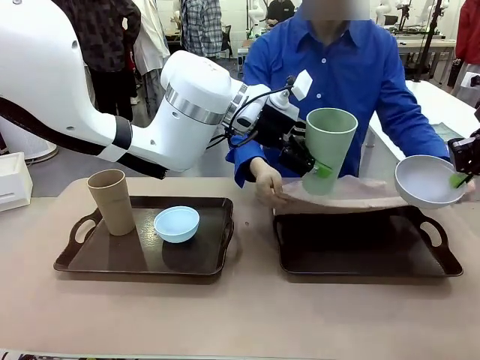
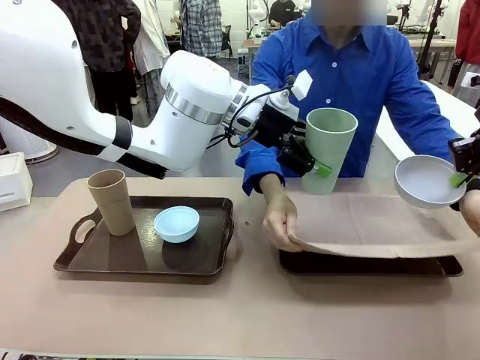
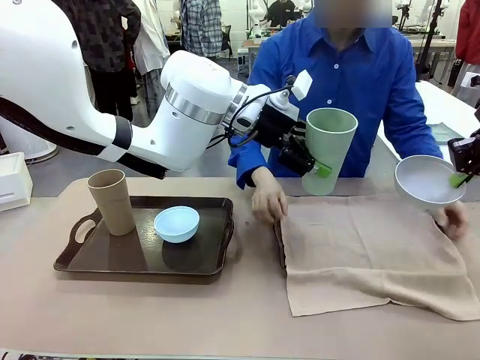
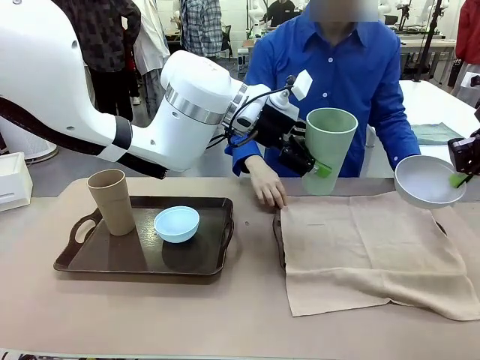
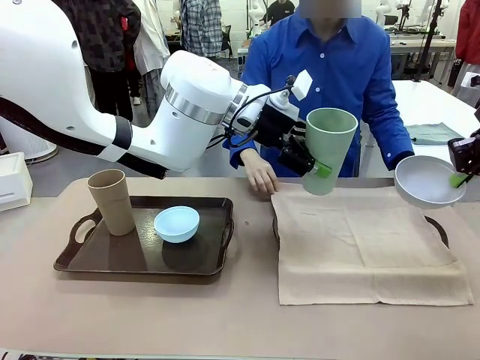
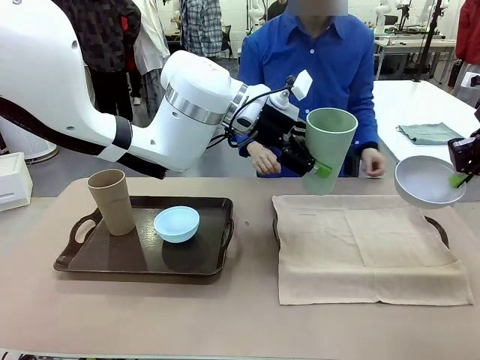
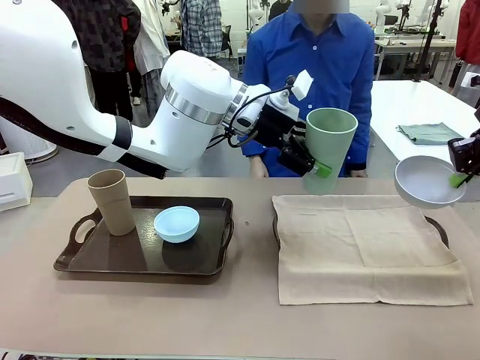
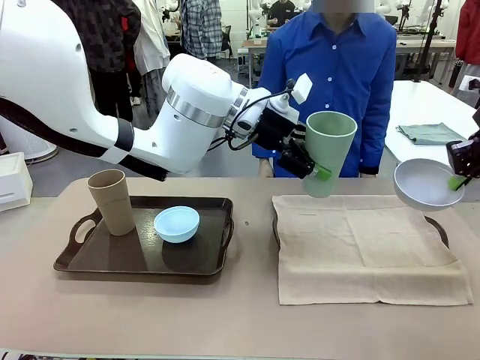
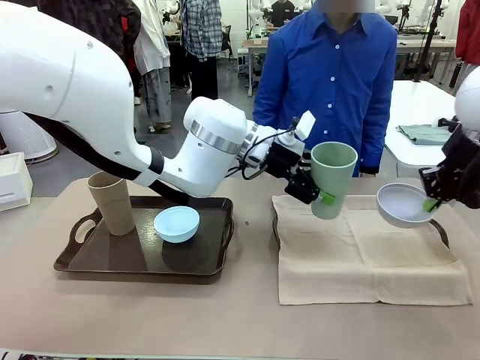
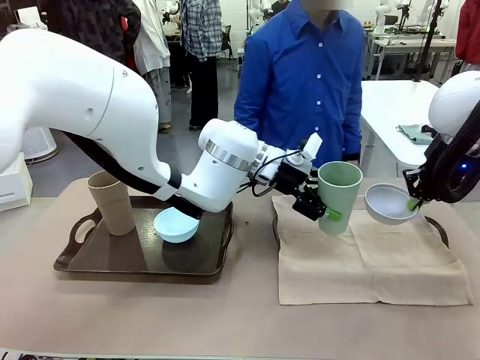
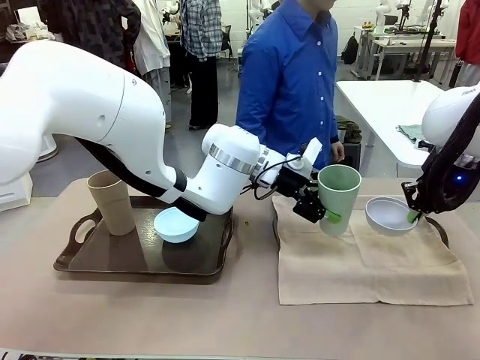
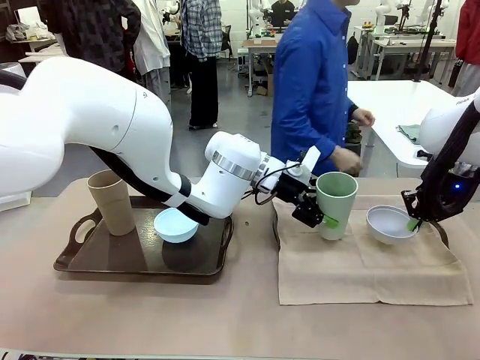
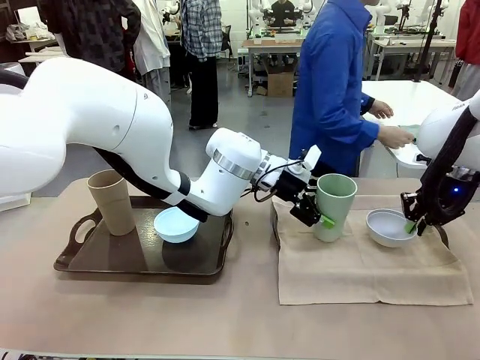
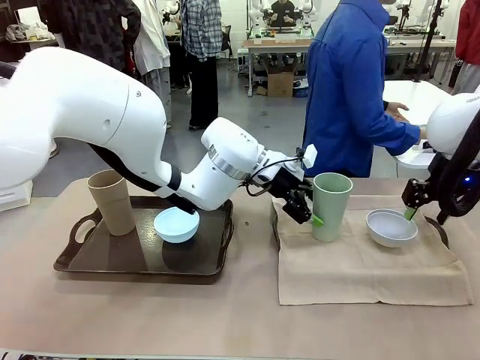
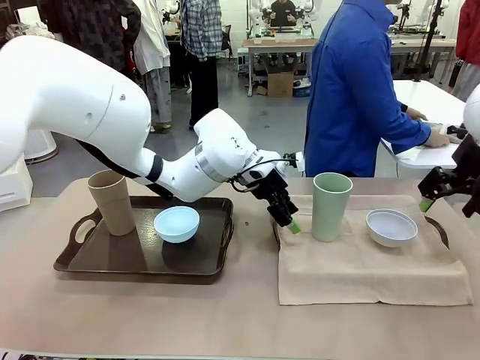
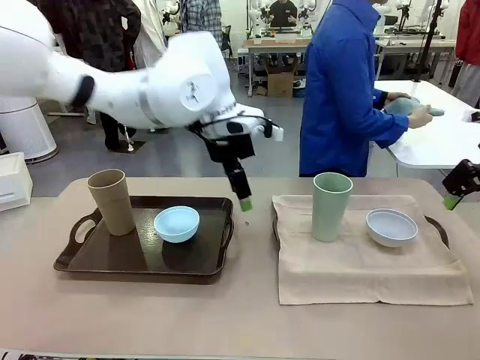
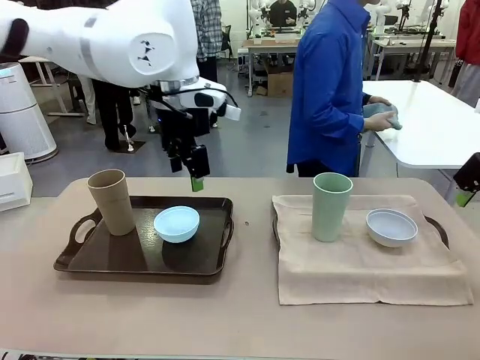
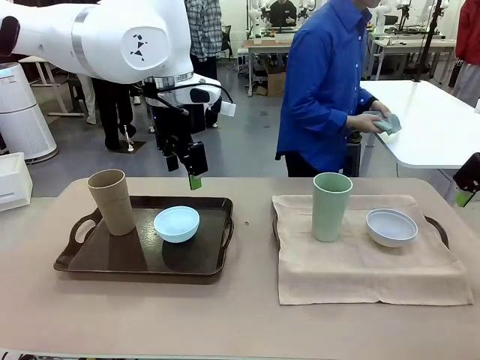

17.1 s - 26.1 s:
Robot: Place the Picnic Bowl and Reusable plastic cup back onto the Handle tray in front of the human's position.
Person: The human returns to the human table to pick up another napkin and walks to the robot table to stand in front of the tray without a napkin.

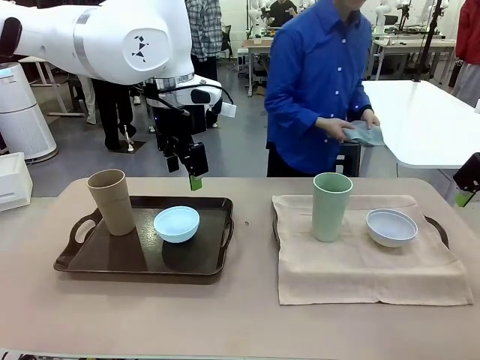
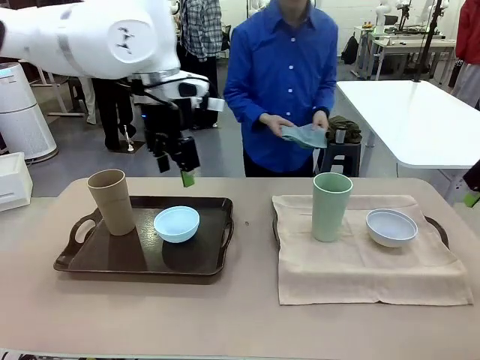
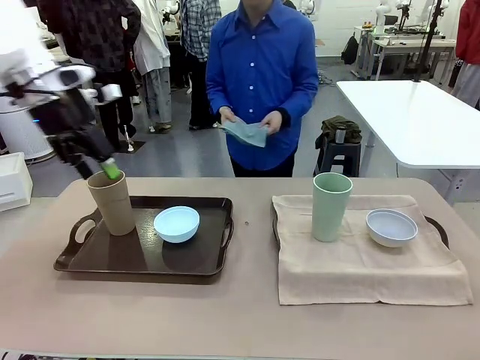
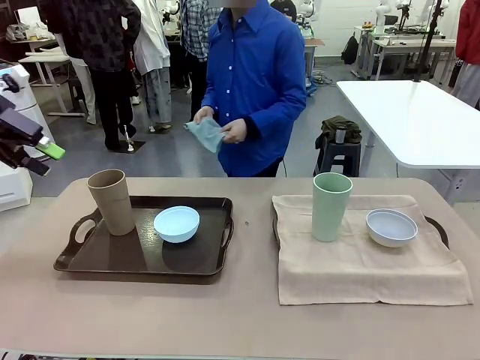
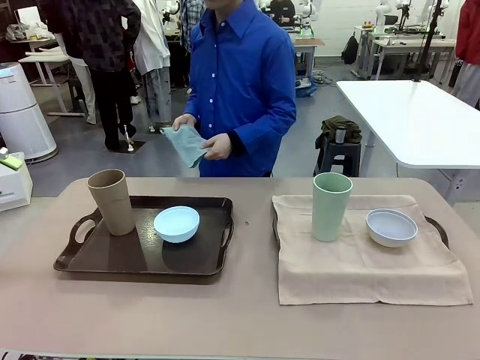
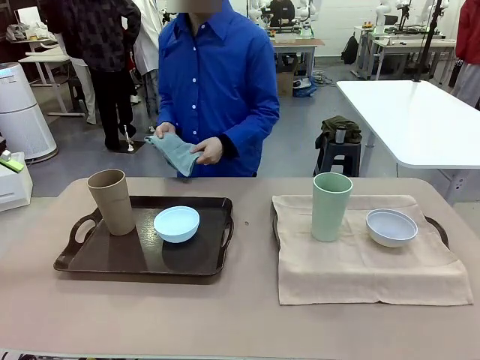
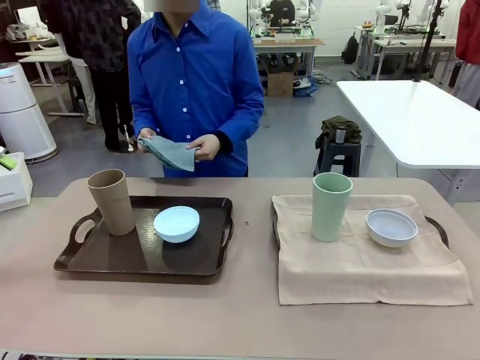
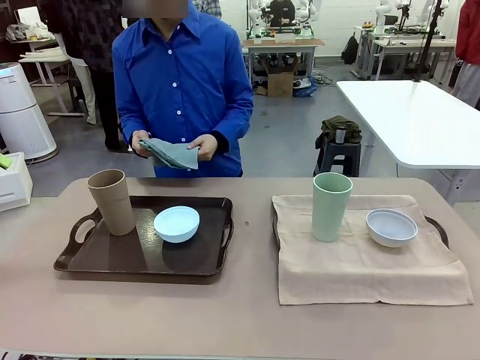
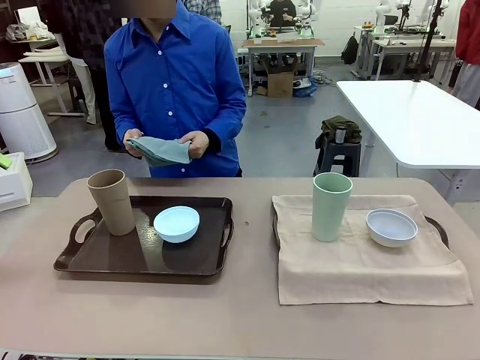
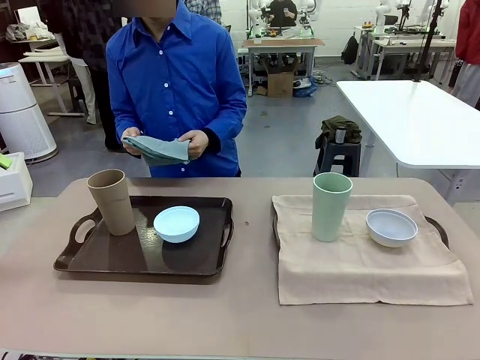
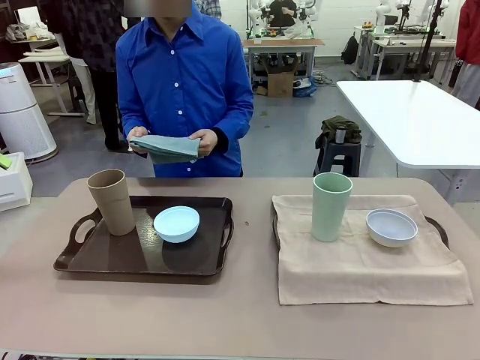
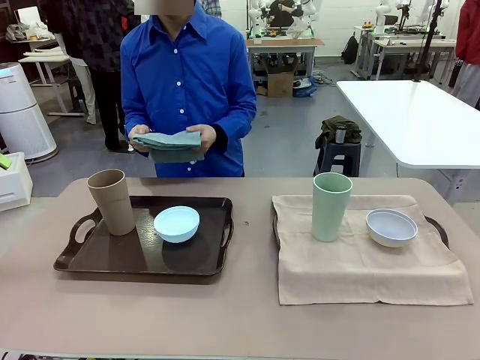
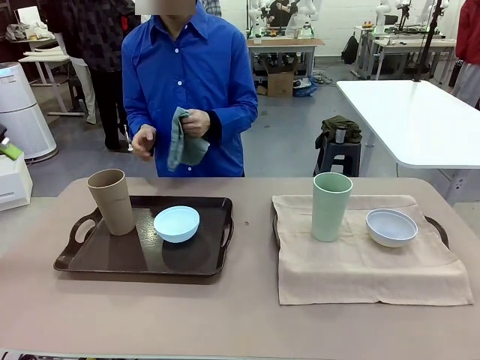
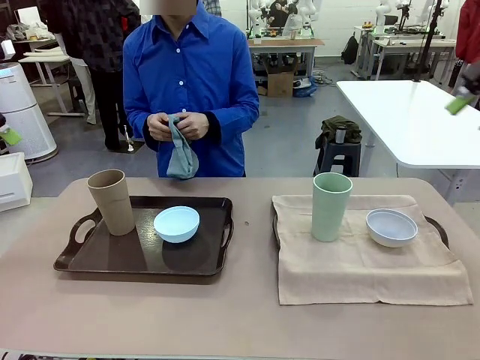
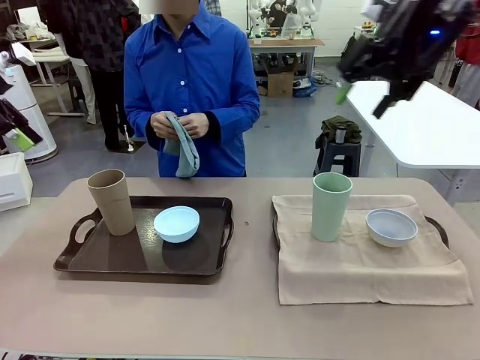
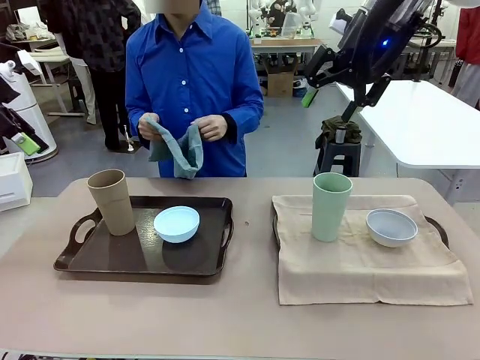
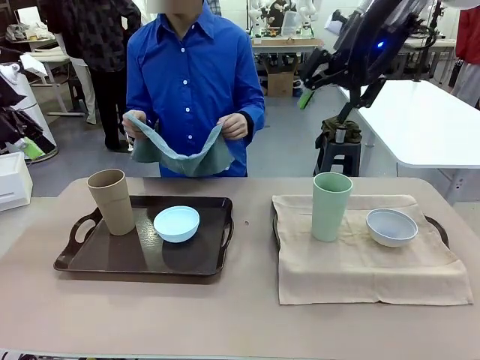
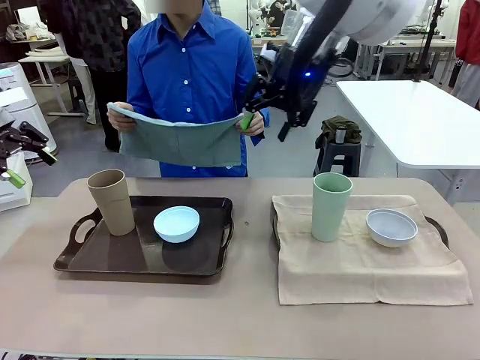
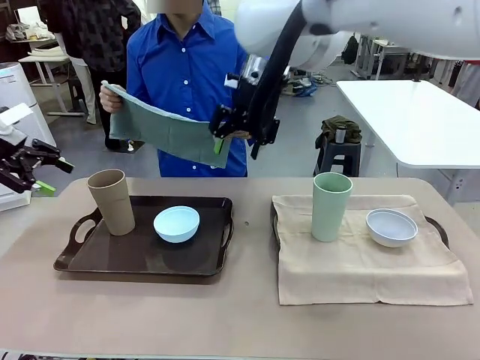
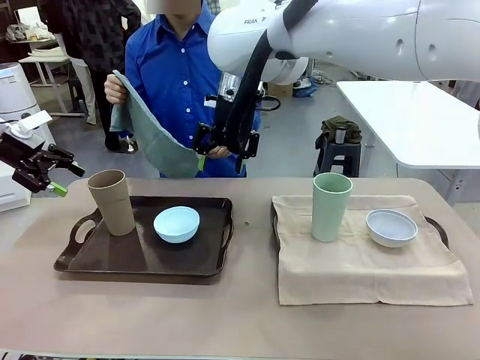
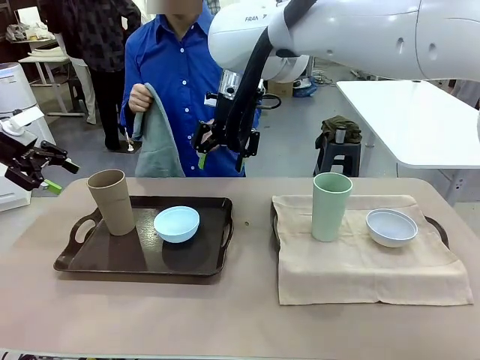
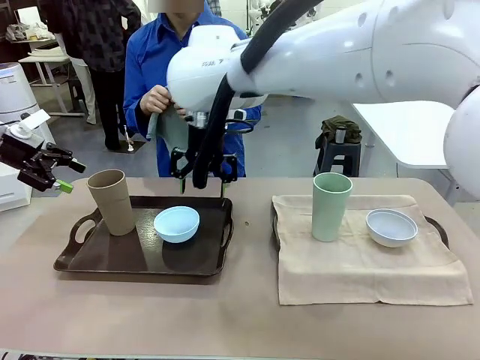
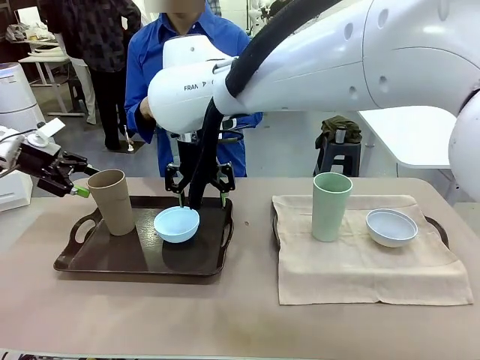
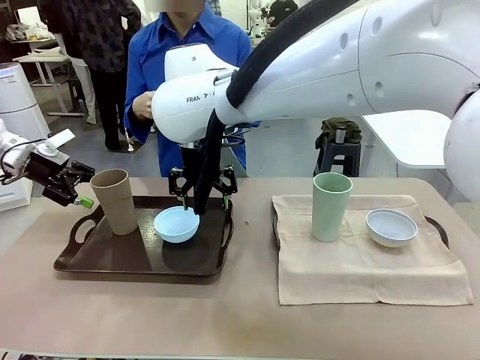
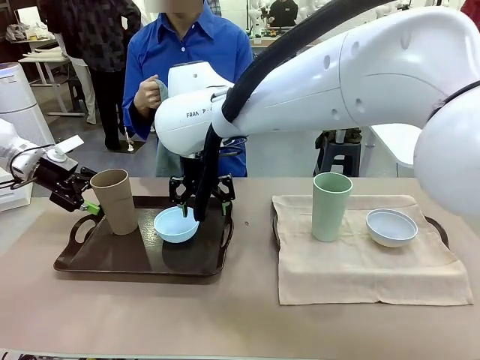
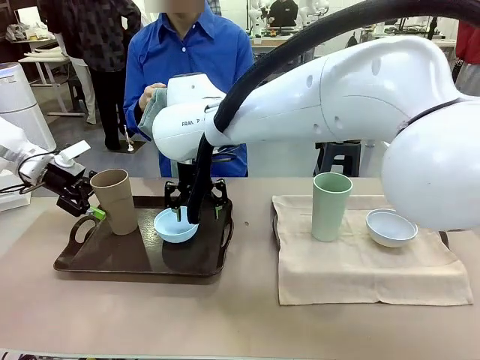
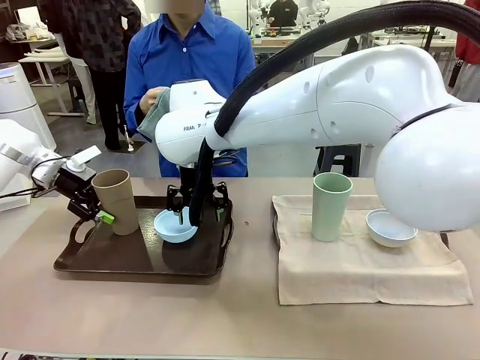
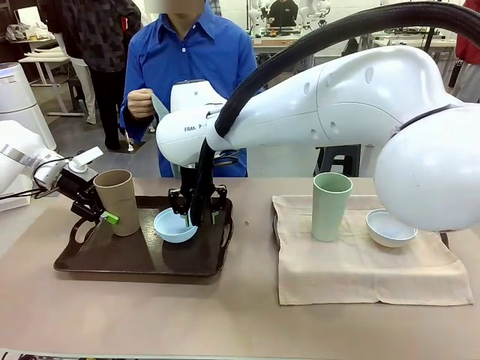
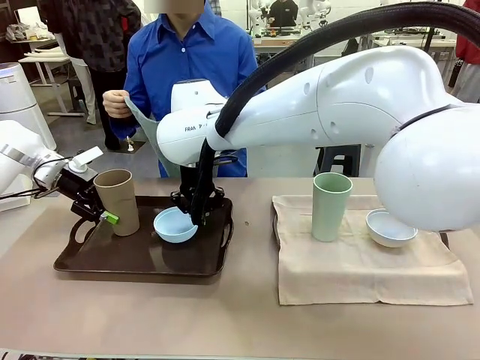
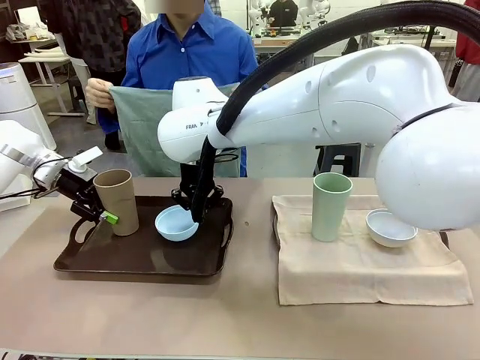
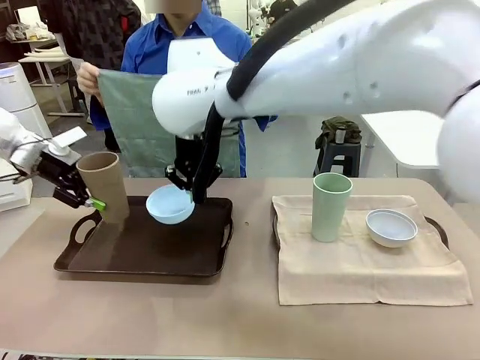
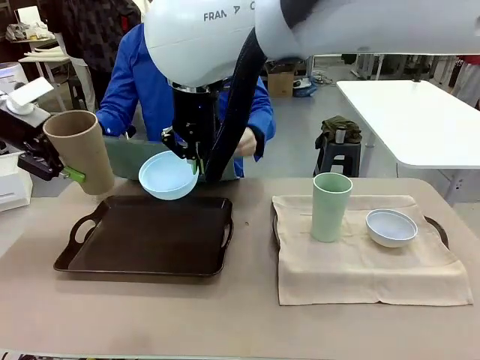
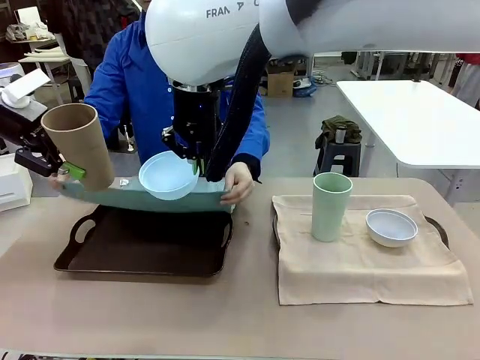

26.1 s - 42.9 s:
Robot: Pick up the Picnic Bowl and Reusable plastic cup from the Handle tray in front of the human's position and hold them in the air.
